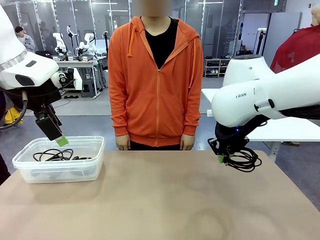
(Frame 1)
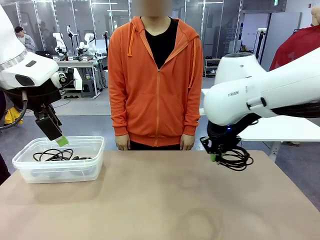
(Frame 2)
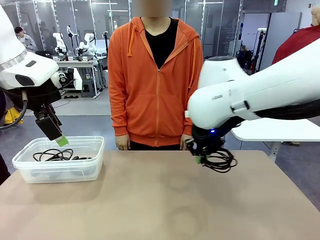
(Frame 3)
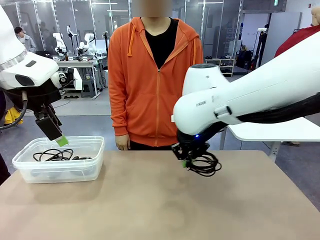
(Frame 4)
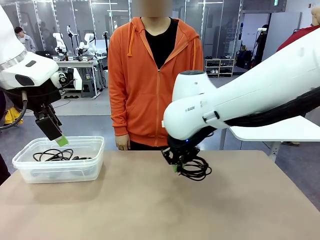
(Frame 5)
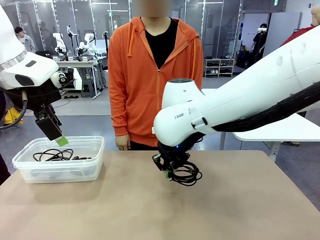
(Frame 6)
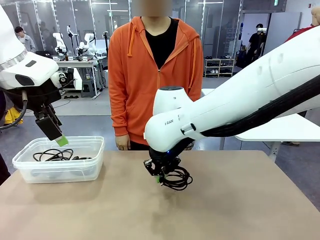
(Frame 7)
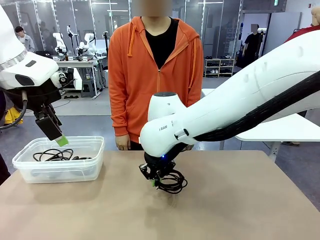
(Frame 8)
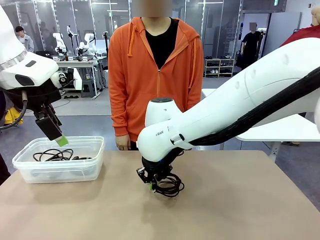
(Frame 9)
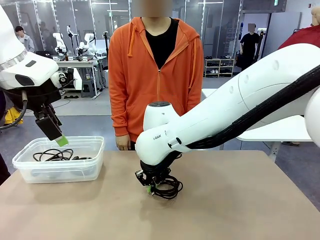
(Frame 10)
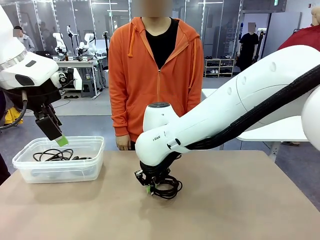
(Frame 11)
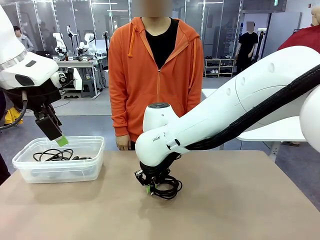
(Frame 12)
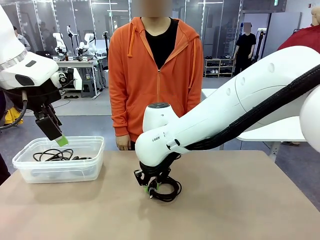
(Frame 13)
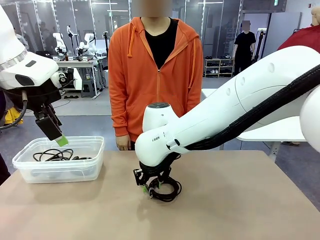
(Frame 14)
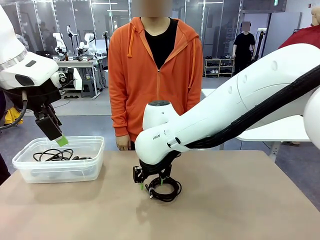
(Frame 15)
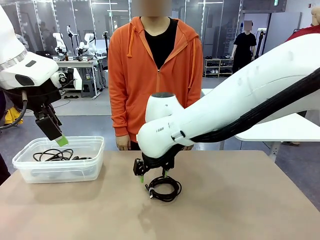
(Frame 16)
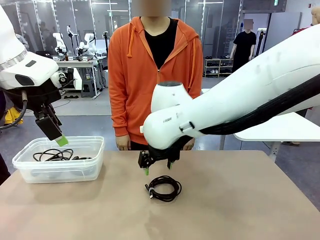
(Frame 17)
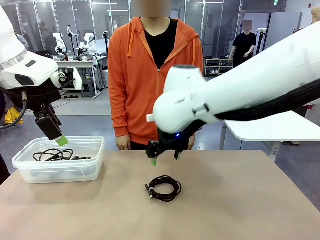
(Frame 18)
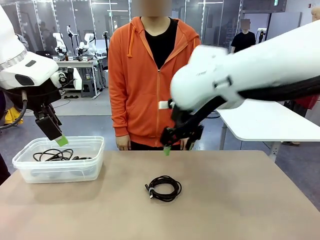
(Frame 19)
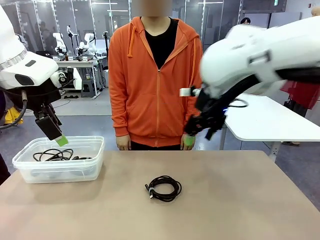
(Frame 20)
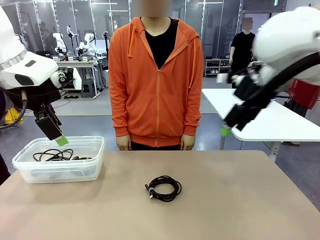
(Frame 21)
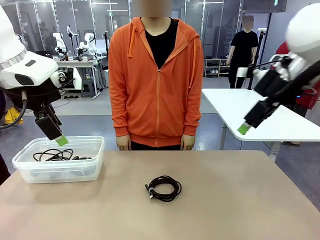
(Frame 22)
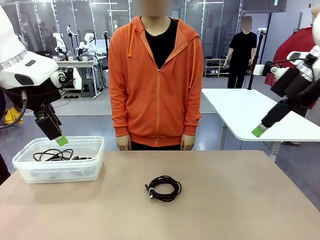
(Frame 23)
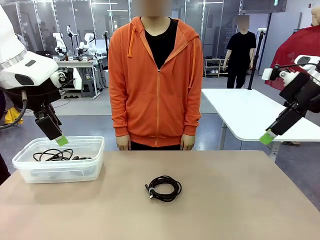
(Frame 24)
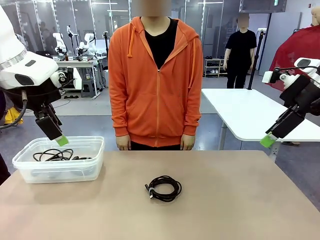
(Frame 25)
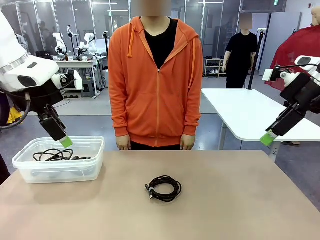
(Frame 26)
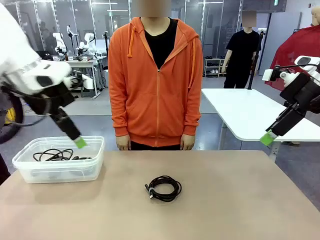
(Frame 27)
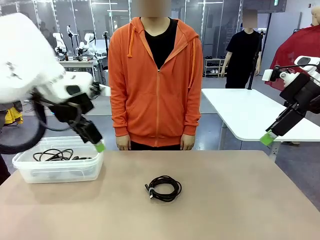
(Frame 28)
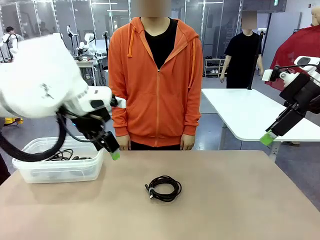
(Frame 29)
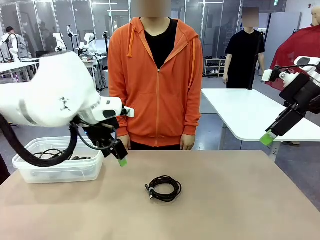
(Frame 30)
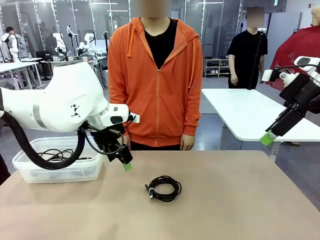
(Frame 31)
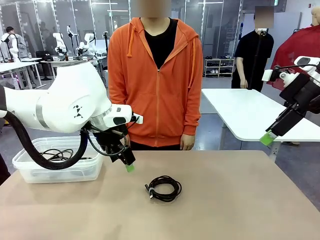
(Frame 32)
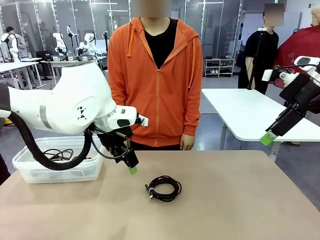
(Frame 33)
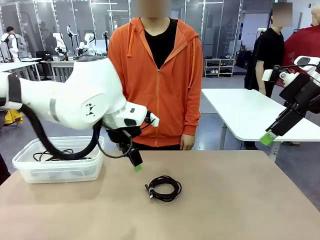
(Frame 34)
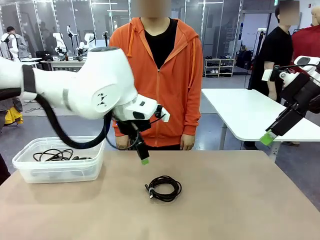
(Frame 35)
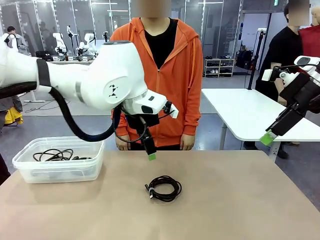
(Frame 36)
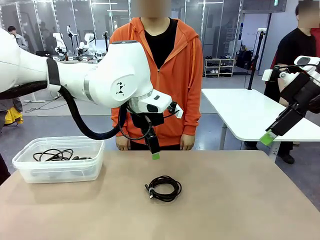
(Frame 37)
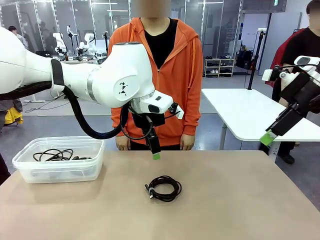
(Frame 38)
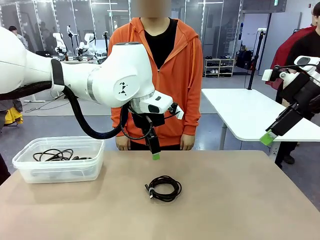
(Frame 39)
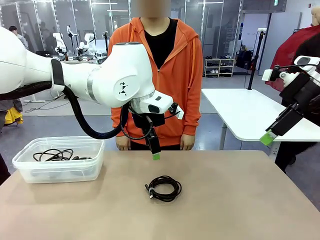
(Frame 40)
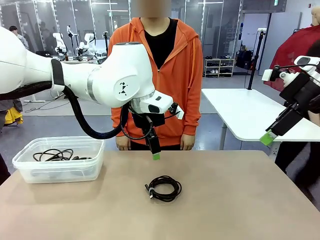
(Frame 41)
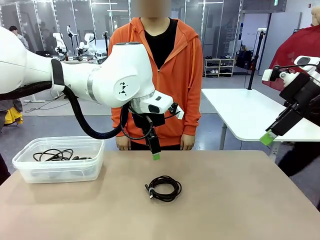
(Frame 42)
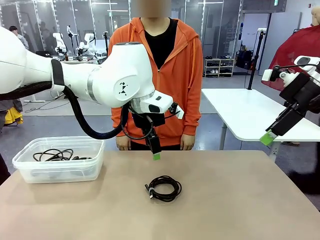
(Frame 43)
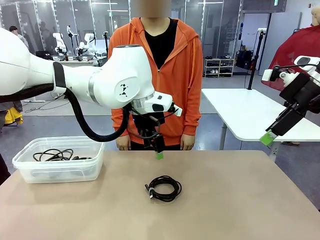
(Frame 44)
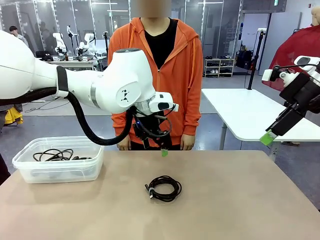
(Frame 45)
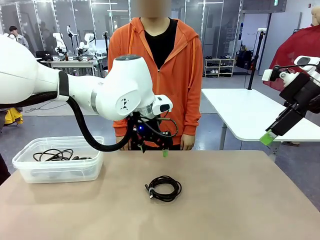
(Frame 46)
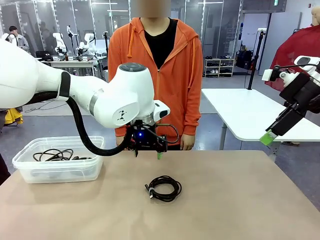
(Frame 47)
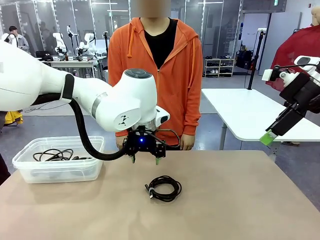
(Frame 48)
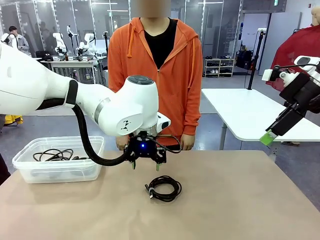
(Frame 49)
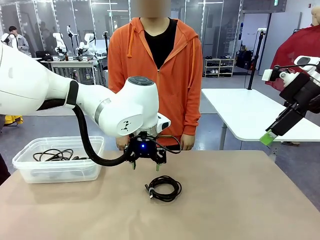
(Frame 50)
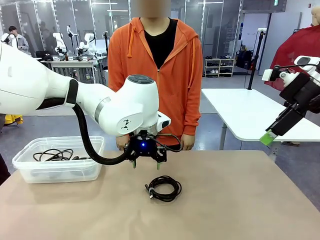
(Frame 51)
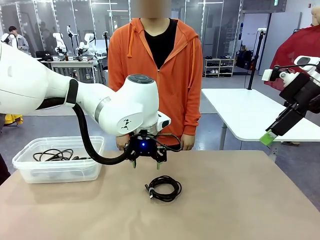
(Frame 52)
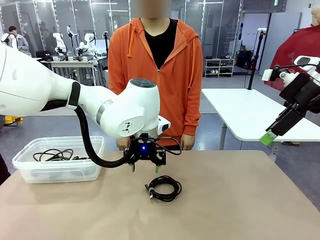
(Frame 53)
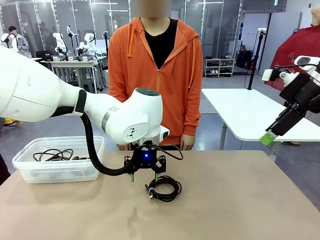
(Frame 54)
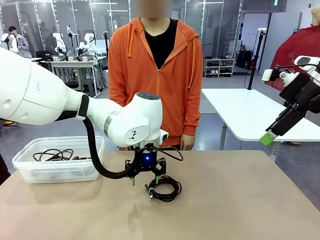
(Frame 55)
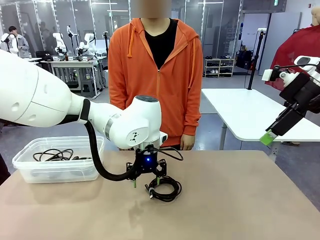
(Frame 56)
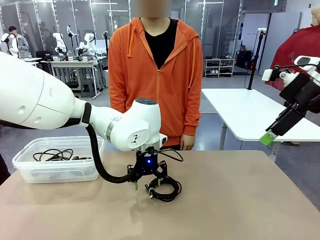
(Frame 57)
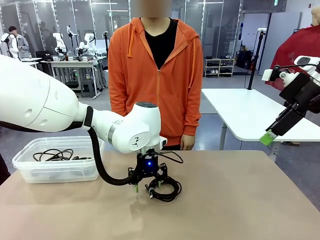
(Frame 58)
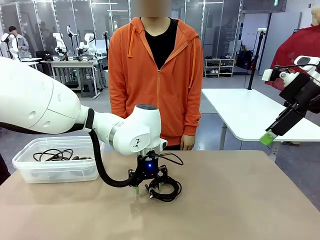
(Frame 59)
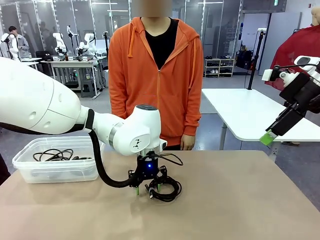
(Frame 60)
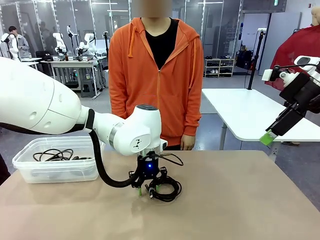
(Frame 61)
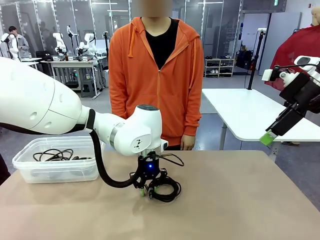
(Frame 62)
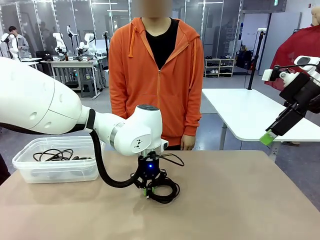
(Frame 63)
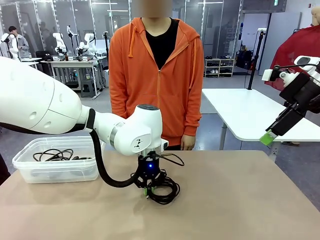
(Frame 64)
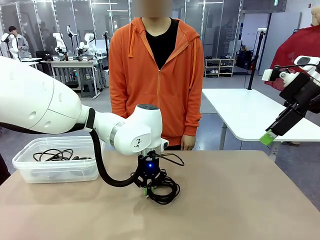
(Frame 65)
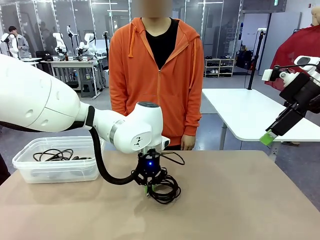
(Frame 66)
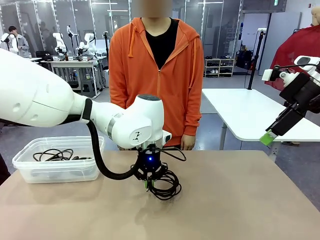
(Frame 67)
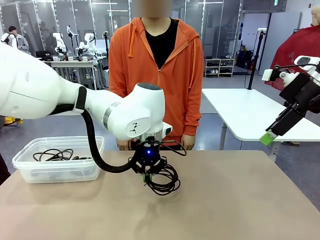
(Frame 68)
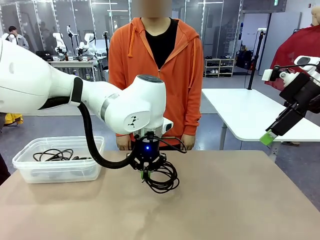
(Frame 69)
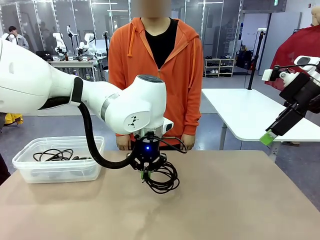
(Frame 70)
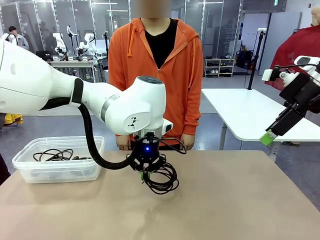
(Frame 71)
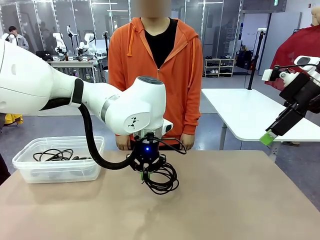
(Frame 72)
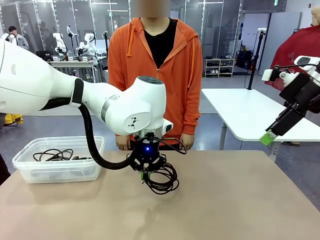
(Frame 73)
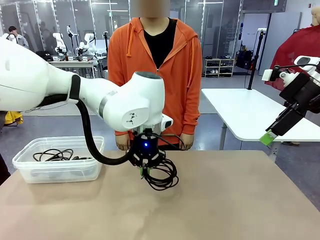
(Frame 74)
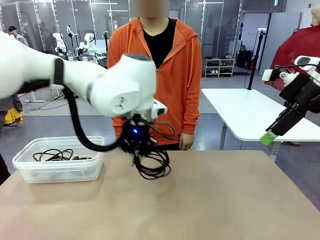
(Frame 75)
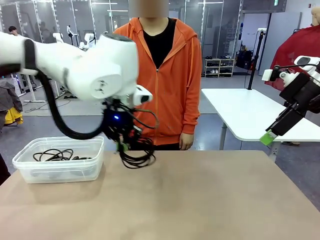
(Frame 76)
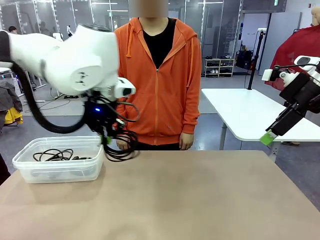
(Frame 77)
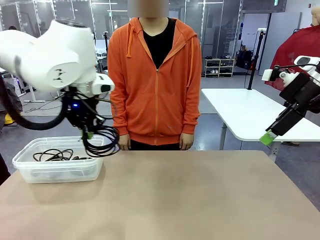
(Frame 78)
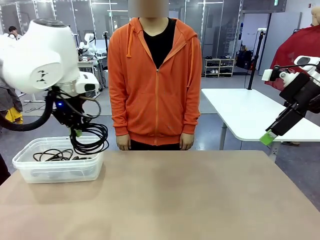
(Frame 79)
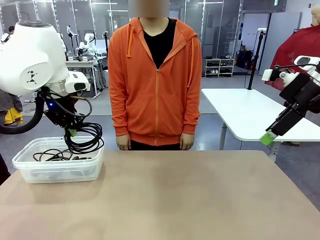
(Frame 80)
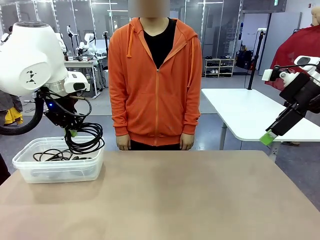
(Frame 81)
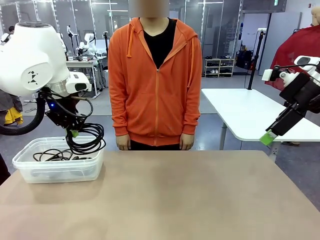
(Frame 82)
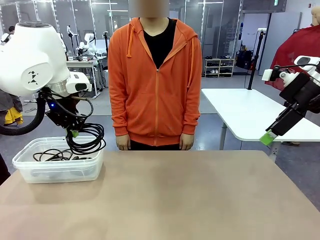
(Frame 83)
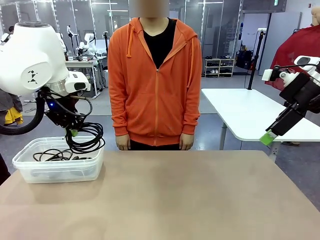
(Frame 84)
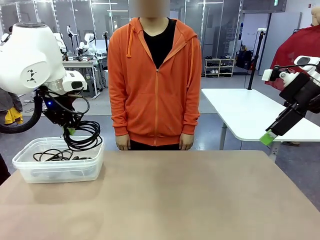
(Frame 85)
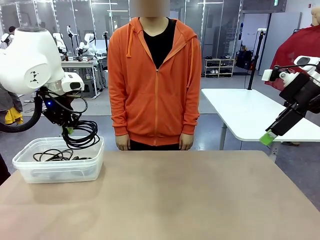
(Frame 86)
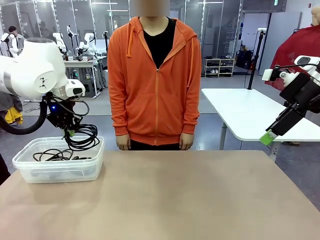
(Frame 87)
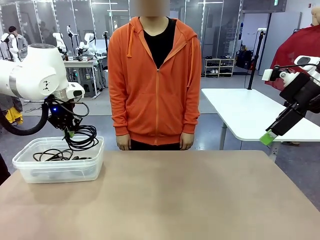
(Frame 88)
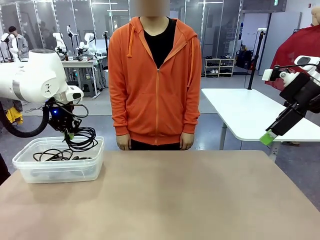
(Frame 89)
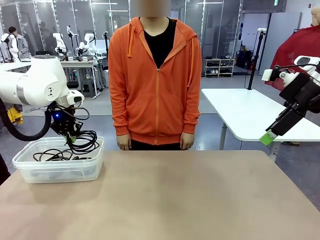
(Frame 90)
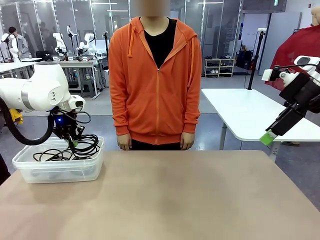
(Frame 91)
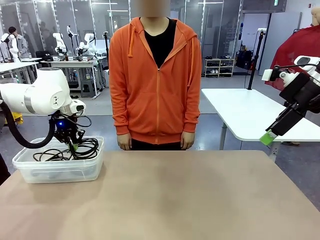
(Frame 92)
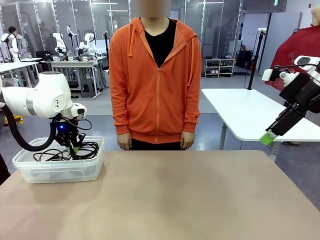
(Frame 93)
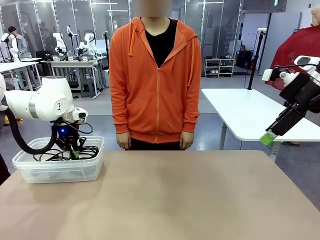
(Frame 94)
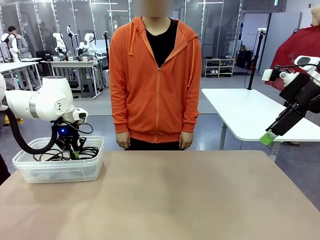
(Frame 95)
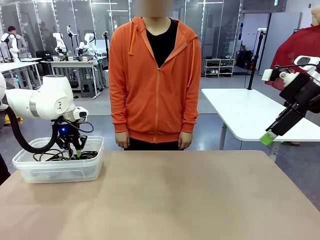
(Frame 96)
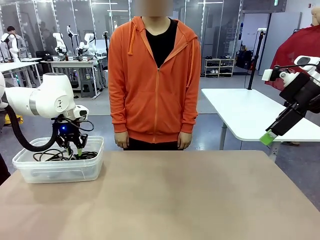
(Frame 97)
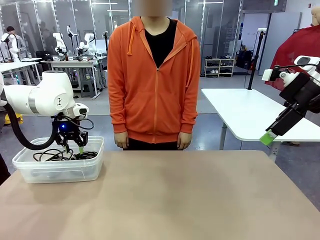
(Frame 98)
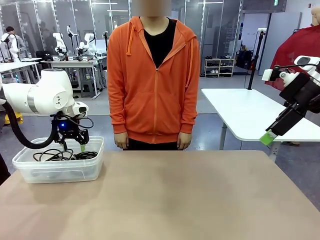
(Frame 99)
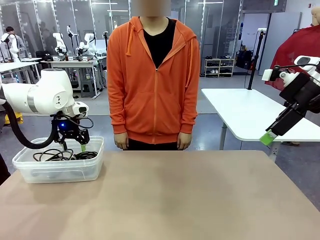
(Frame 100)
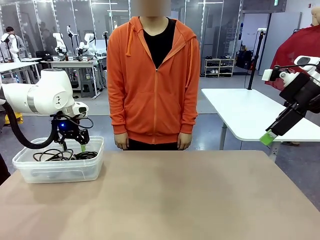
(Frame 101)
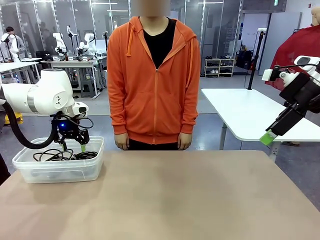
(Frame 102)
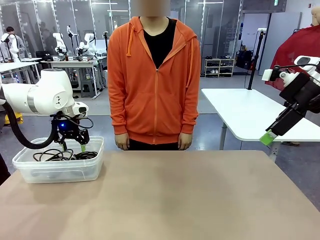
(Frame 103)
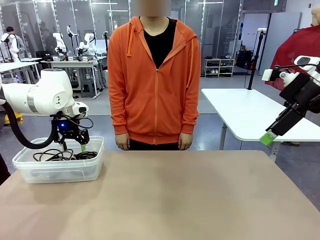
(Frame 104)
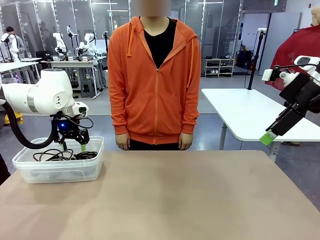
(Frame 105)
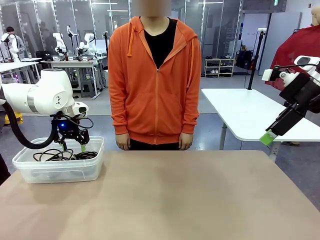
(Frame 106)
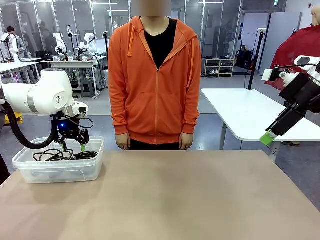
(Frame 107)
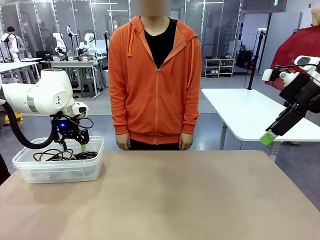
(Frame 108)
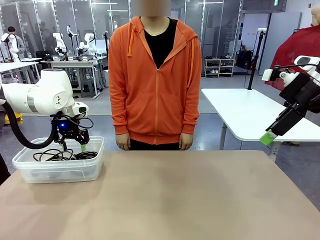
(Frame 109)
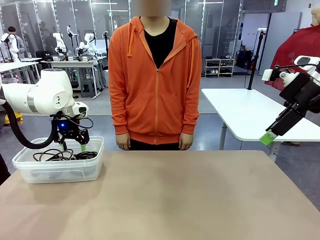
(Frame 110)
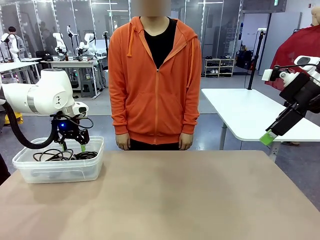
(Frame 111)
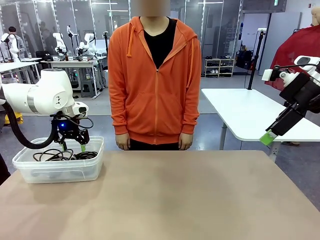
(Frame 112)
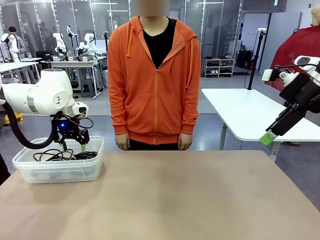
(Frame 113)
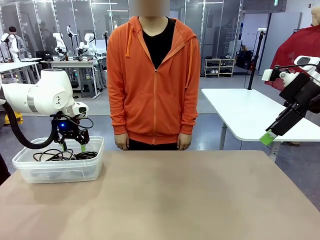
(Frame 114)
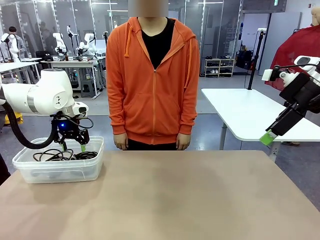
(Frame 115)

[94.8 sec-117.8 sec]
Task: Organize and store the cables.
Robot: Place the USB Extension Cable into the Organizing box.
